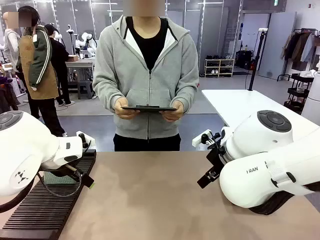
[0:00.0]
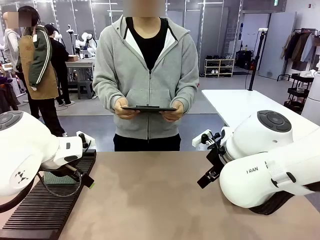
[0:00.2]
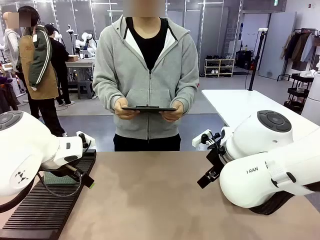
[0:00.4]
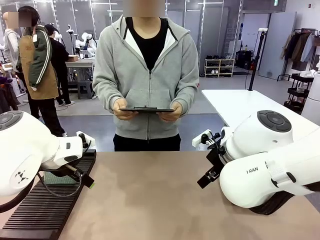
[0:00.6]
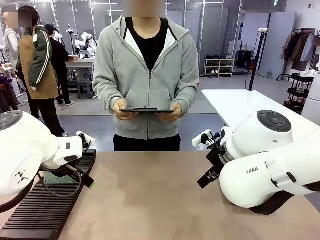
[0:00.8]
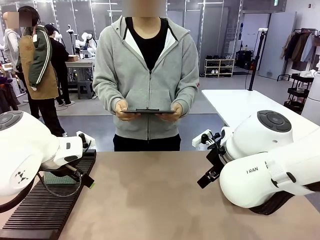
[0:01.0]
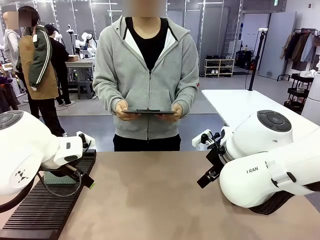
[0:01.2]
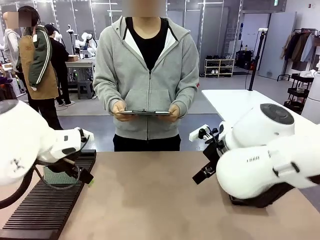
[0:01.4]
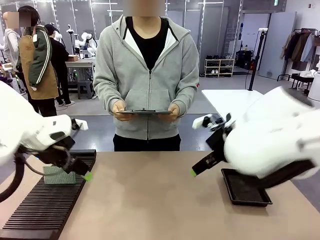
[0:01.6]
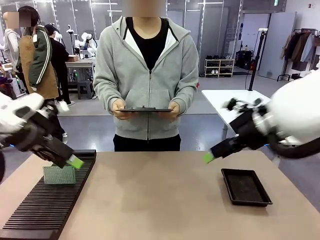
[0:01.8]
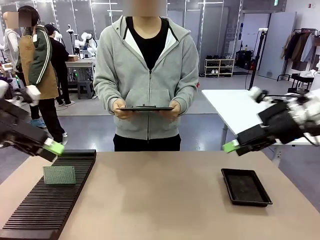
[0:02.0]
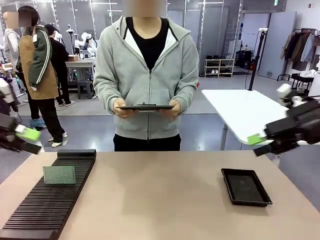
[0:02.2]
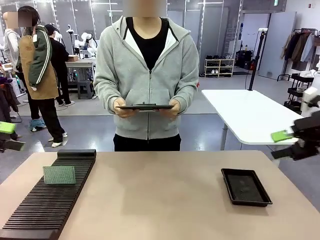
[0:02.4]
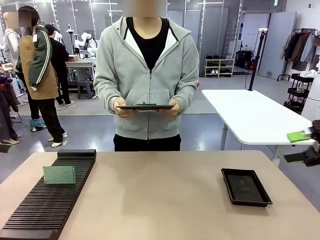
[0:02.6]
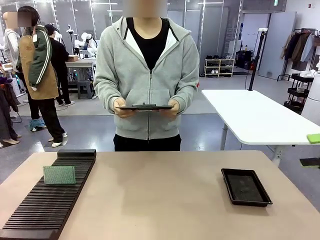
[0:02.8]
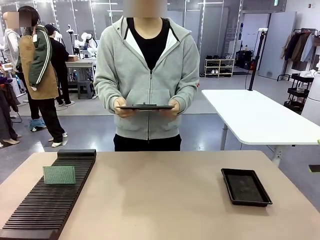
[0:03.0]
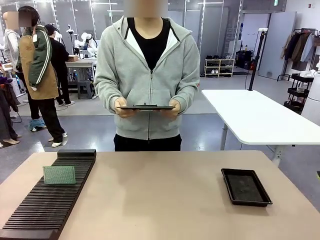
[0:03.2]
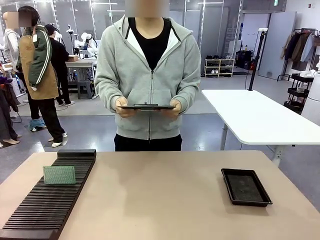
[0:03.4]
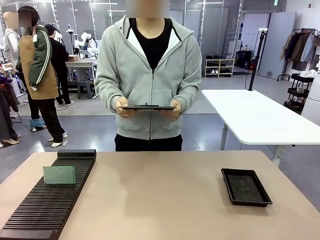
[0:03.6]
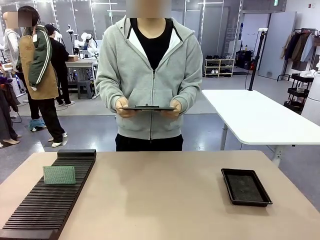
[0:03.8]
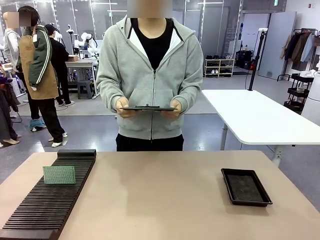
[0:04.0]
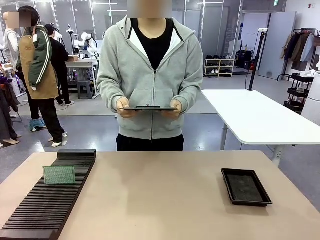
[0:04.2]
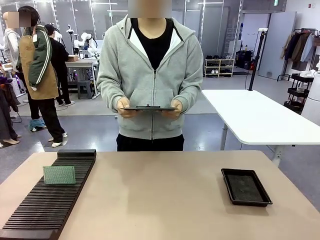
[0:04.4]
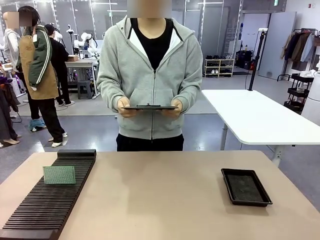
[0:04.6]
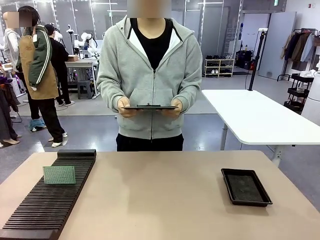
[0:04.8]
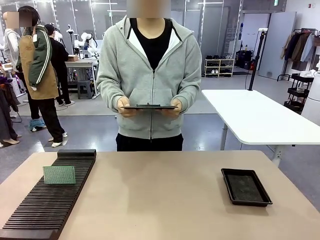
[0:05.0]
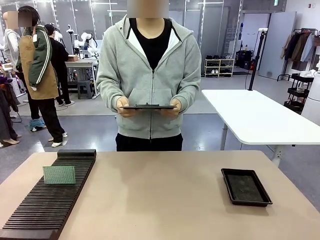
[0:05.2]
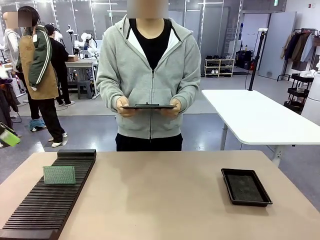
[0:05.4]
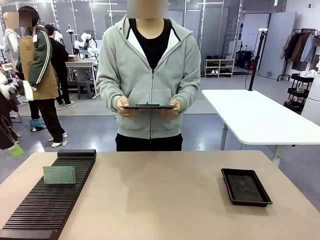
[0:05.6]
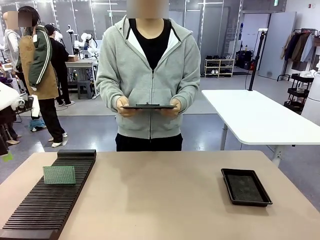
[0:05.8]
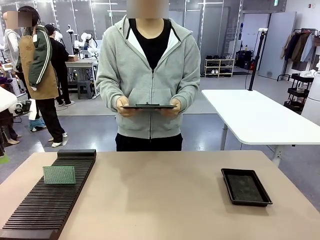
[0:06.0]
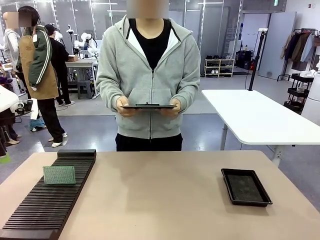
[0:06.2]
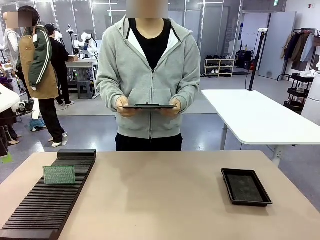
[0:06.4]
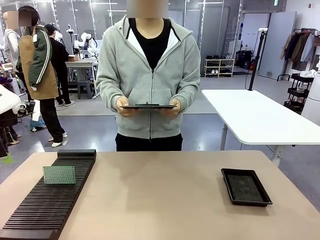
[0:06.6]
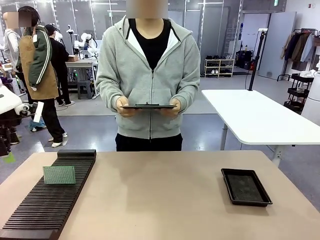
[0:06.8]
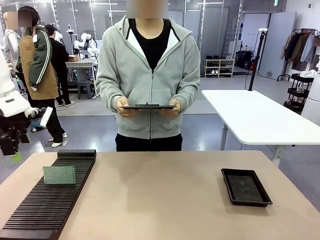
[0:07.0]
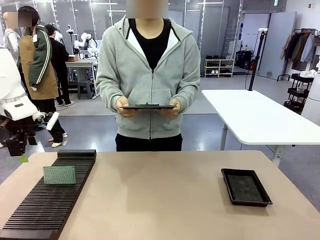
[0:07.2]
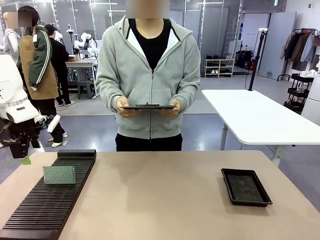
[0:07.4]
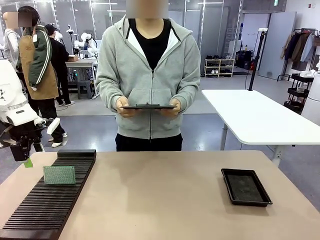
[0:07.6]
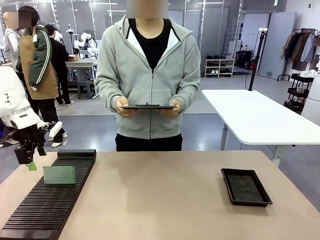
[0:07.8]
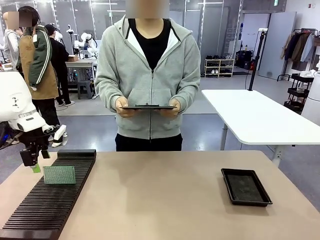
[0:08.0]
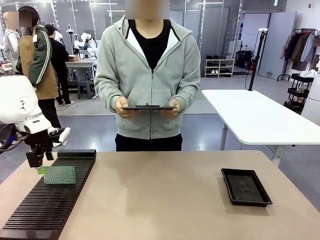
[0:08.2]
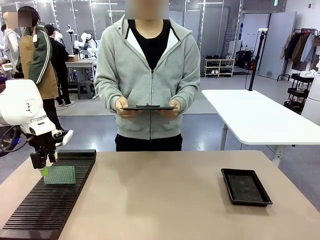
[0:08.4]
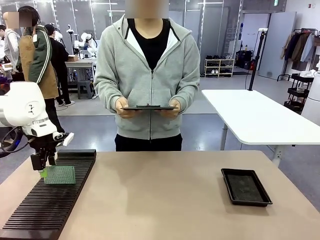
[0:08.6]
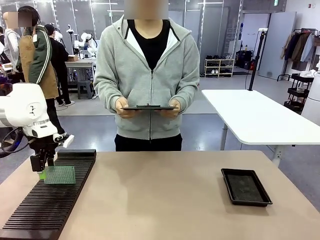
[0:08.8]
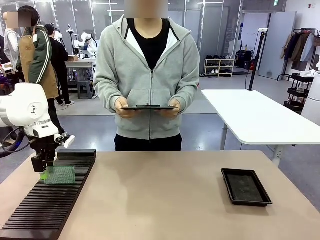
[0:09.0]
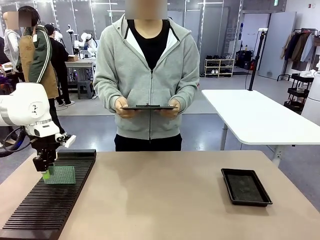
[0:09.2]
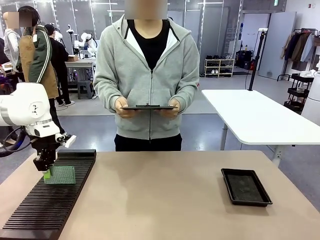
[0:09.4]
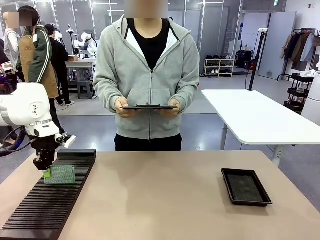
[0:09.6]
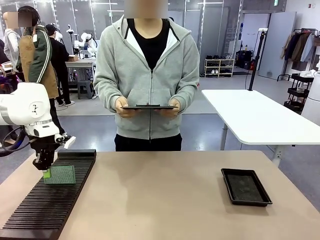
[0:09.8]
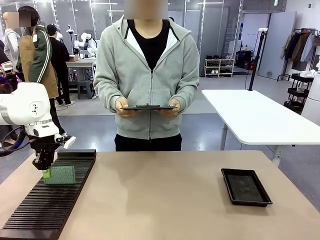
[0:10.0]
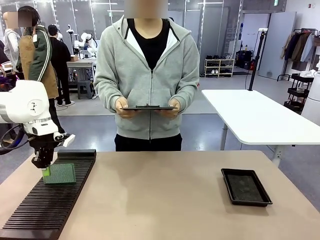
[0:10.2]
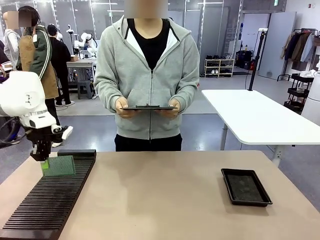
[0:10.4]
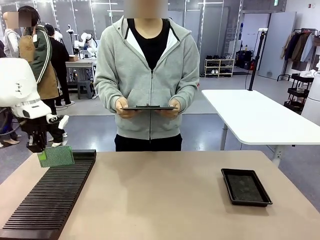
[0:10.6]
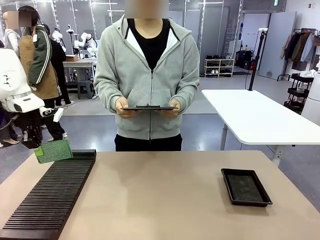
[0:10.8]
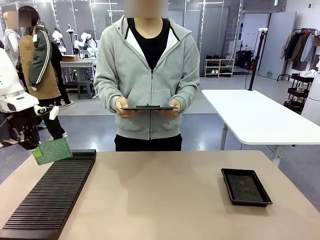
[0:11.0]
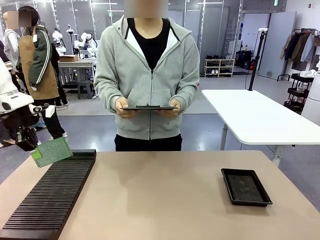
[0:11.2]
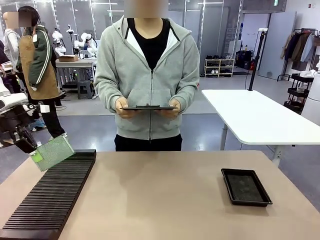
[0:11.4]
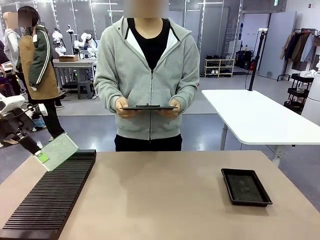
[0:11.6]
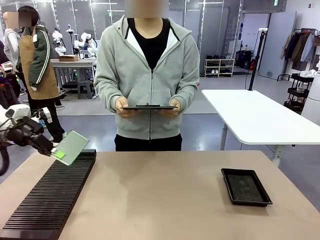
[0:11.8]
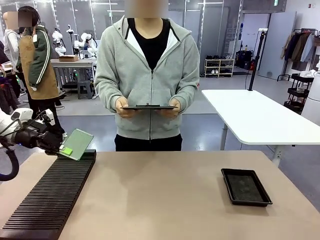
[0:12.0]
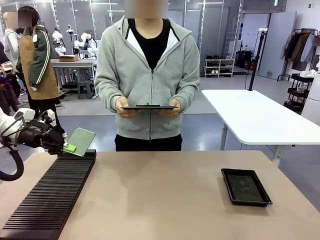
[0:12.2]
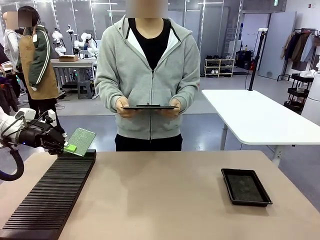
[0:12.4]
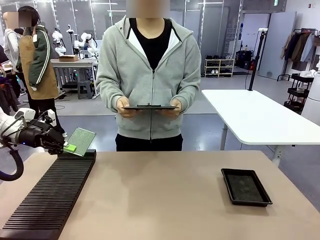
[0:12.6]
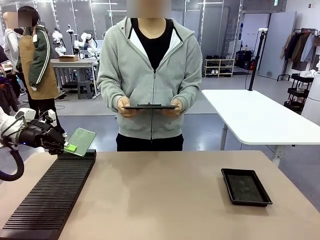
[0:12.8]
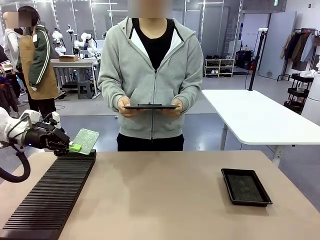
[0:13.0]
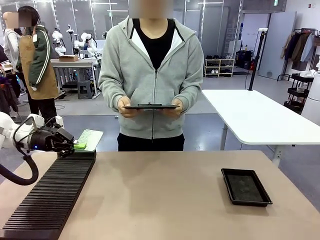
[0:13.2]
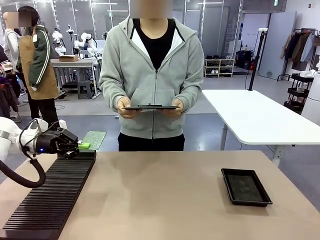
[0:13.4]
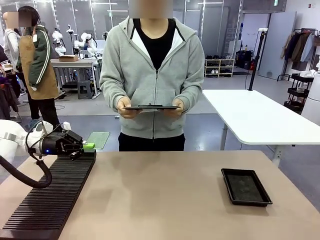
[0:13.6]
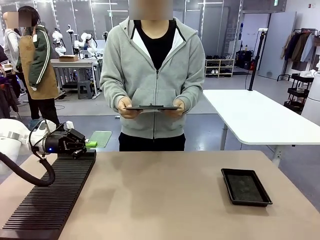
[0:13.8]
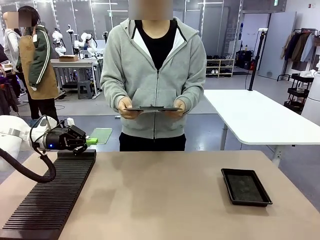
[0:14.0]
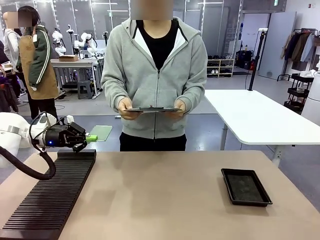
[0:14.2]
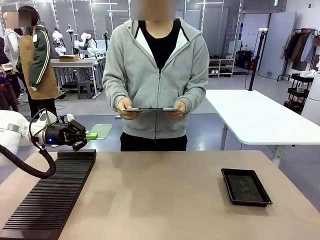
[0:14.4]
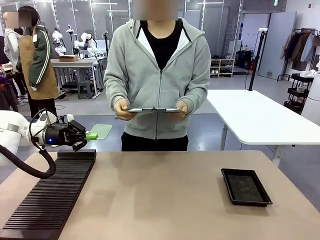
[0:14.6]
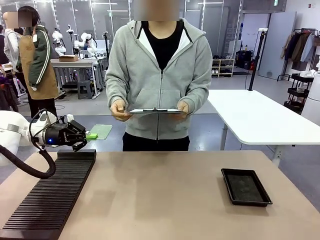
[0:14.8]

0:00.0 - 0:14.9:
Task: Inspect the PCB.
Robot: Pick up the Blank PCB and present it to the human.
Person: Pick up the PCB presented by the robot.

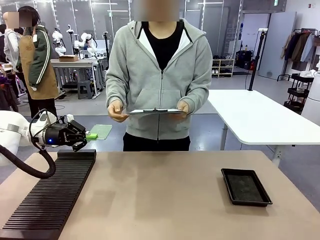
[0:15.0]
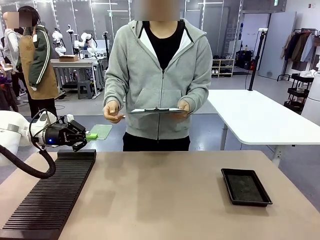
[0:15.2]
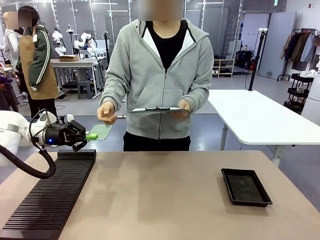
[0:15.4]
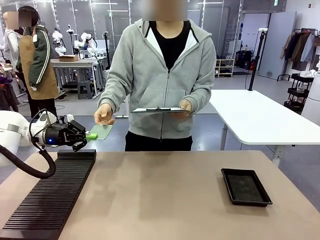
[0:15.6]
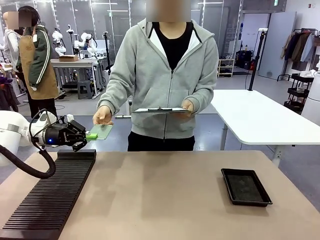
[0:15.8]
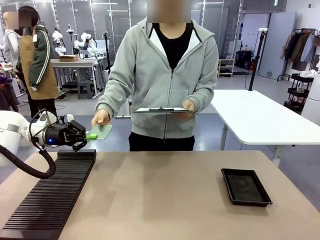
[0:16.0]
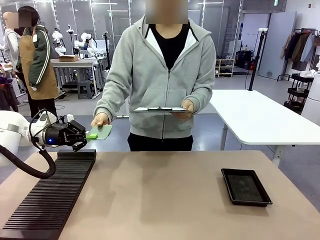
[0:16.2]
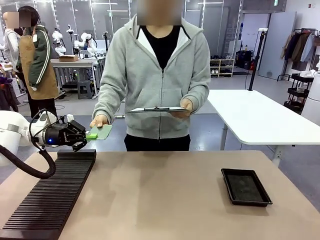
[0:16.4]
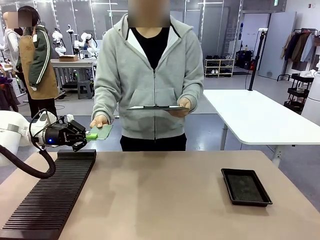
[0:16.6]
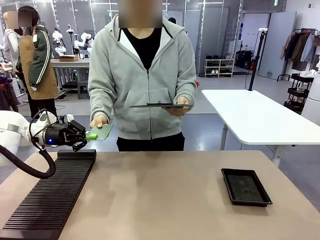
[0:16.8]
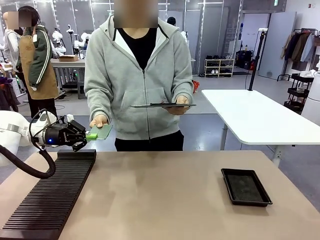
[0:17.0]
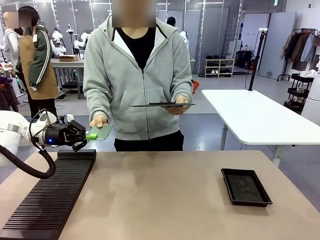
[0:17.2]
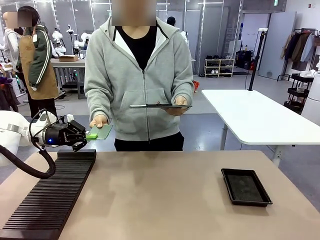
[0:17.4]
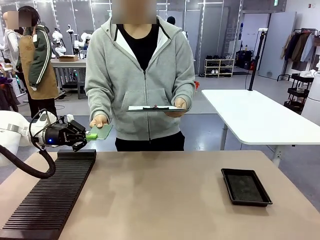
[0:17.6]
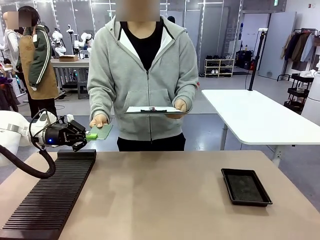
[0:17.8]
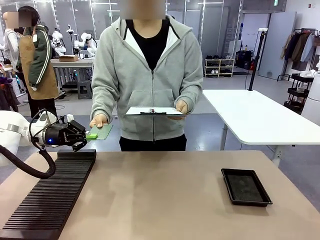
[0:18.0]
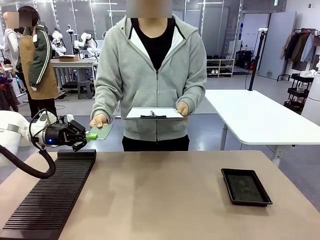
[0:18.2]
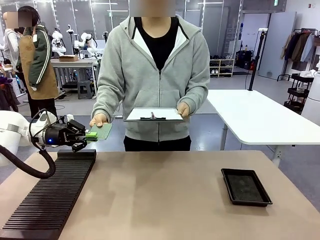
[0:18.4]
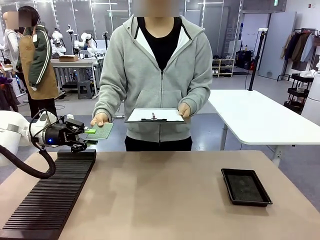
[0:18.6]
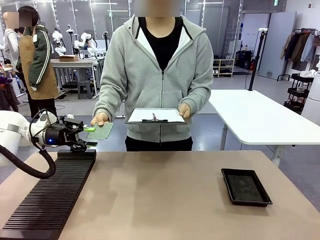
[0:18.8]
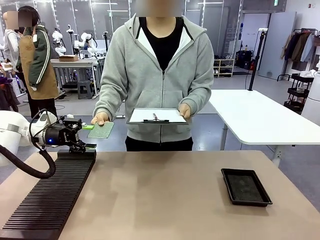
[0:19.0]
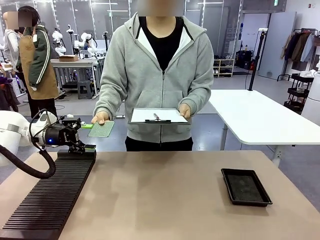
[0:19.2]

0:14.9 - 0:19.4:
Robot: Release the Blank PCB you were holding.
